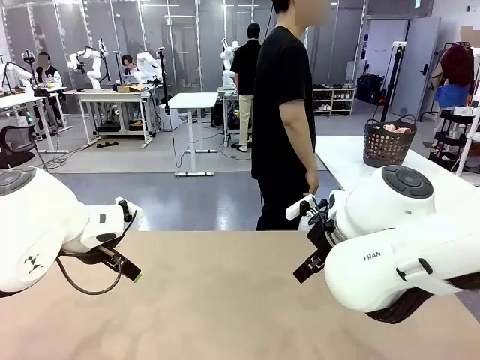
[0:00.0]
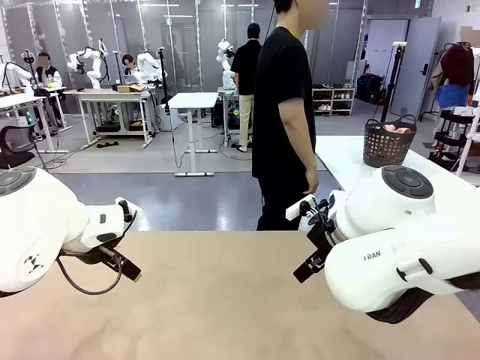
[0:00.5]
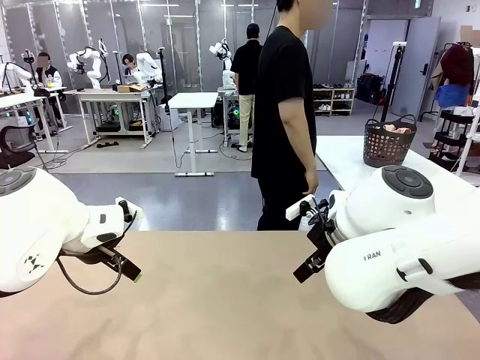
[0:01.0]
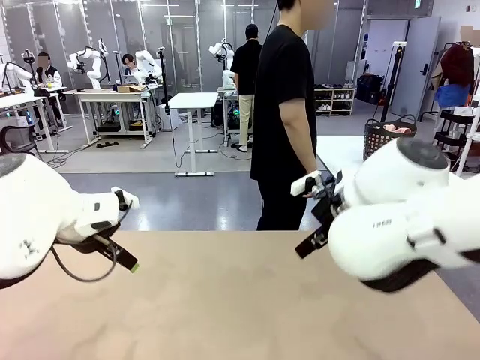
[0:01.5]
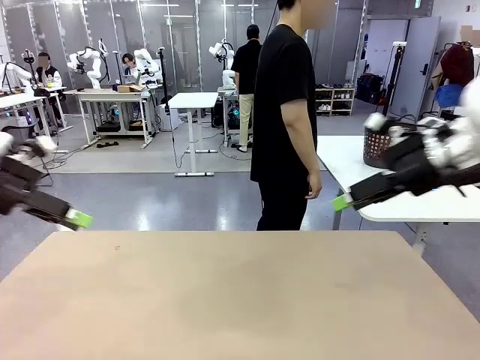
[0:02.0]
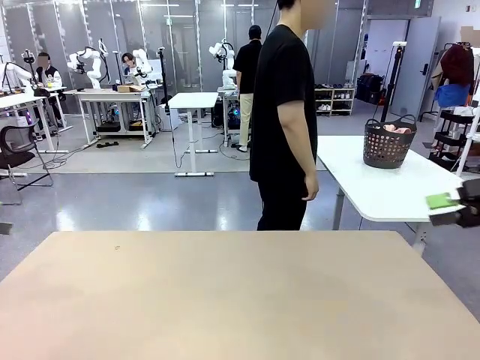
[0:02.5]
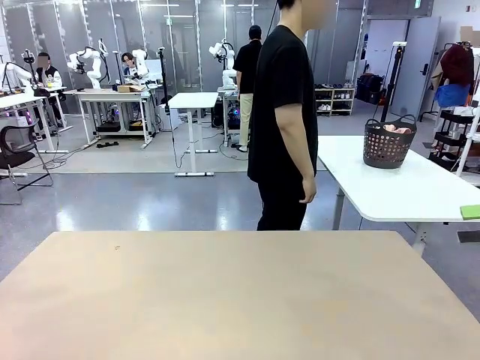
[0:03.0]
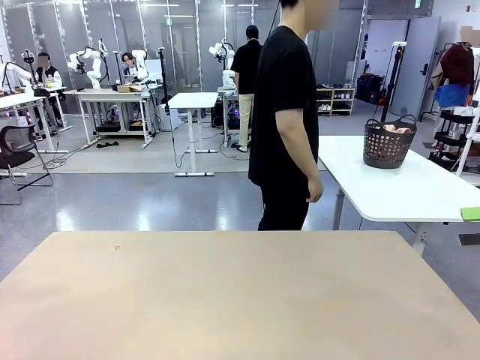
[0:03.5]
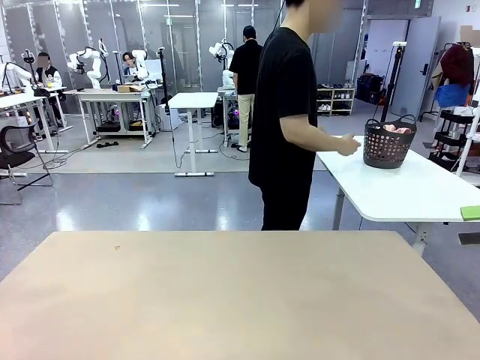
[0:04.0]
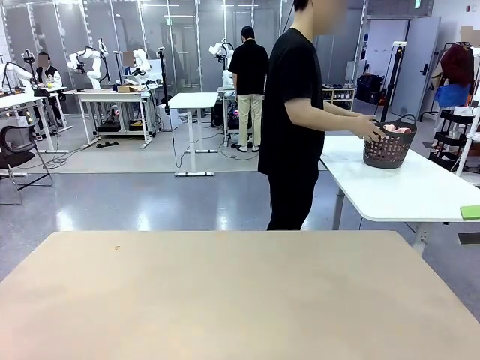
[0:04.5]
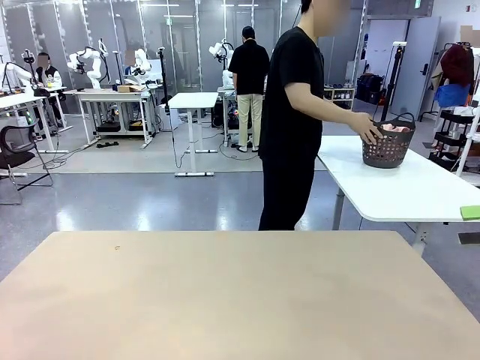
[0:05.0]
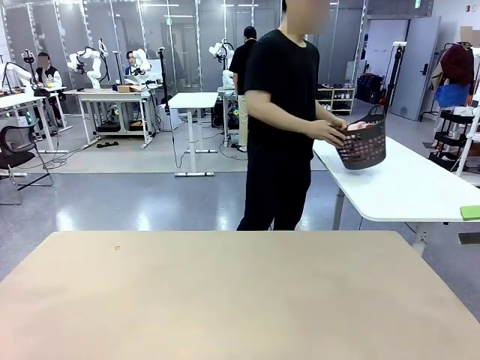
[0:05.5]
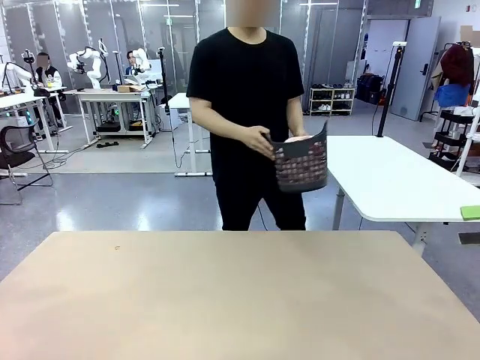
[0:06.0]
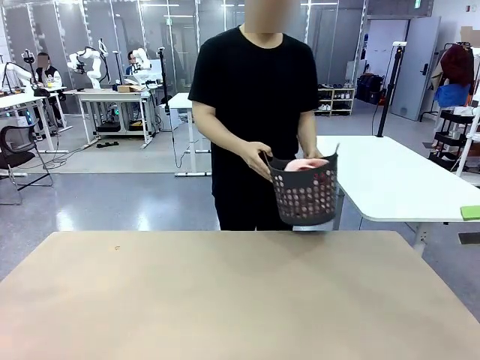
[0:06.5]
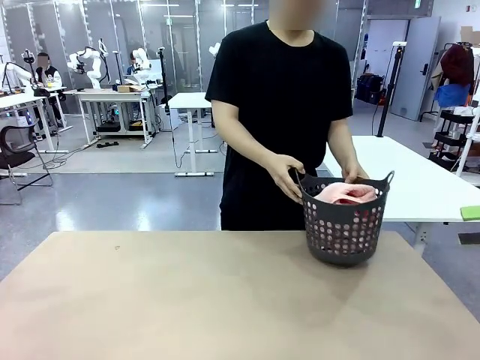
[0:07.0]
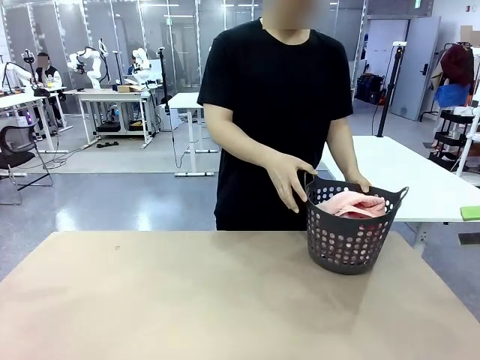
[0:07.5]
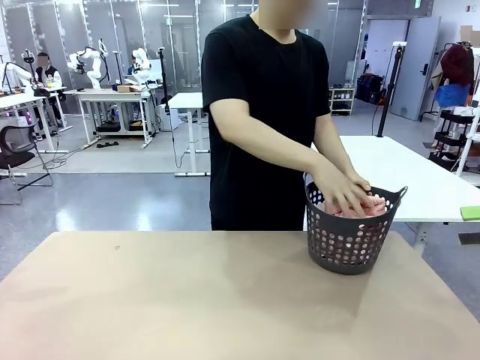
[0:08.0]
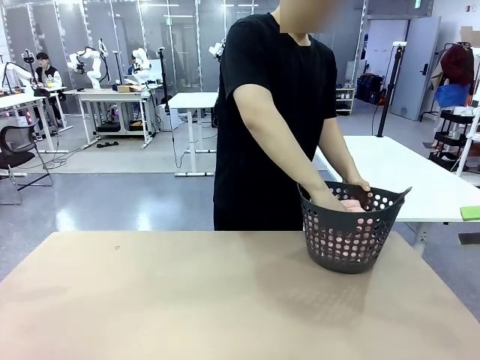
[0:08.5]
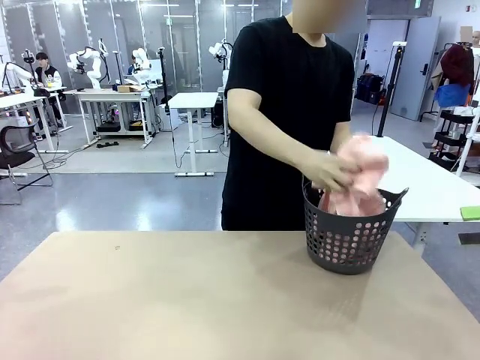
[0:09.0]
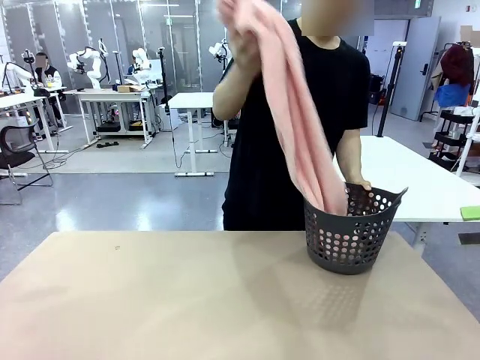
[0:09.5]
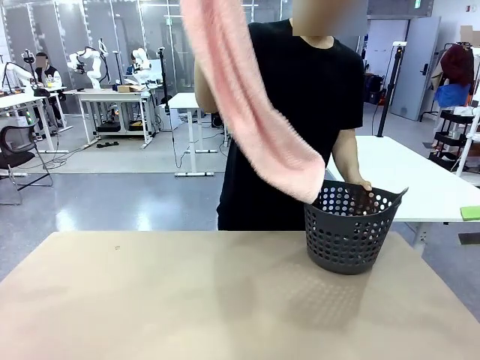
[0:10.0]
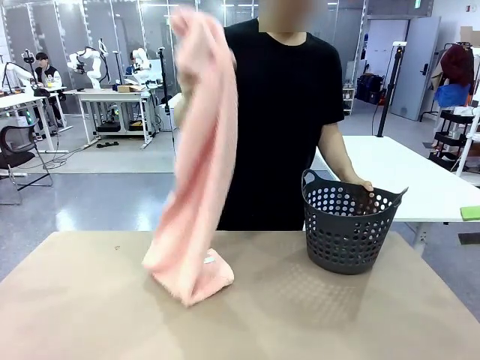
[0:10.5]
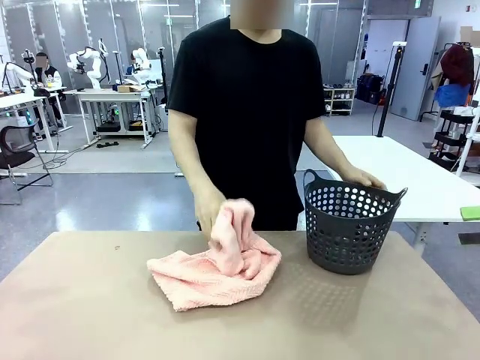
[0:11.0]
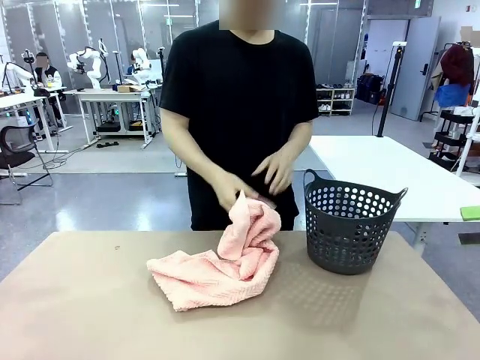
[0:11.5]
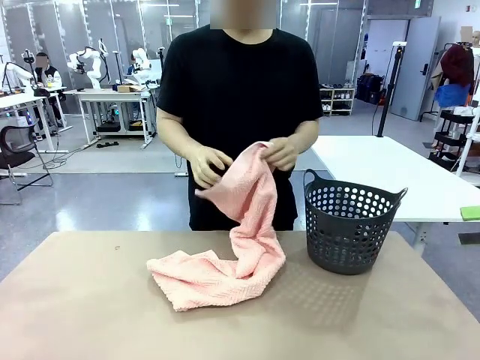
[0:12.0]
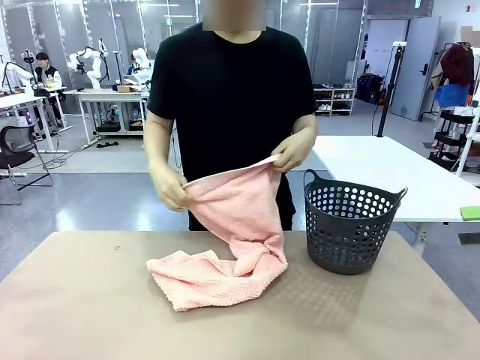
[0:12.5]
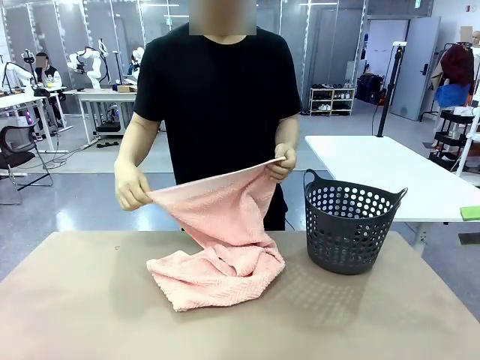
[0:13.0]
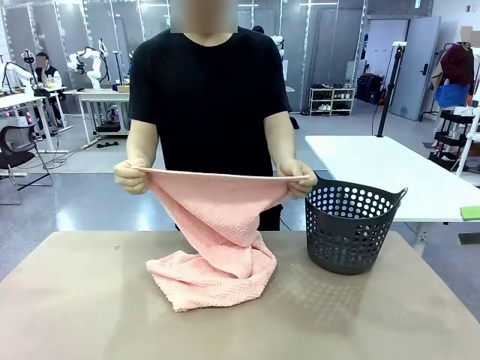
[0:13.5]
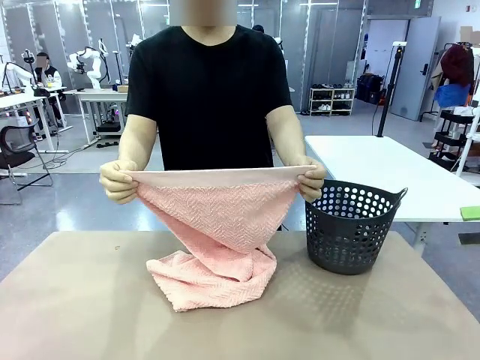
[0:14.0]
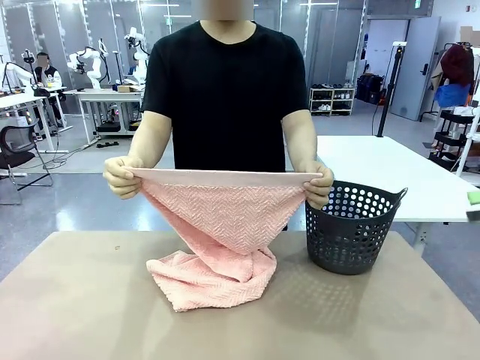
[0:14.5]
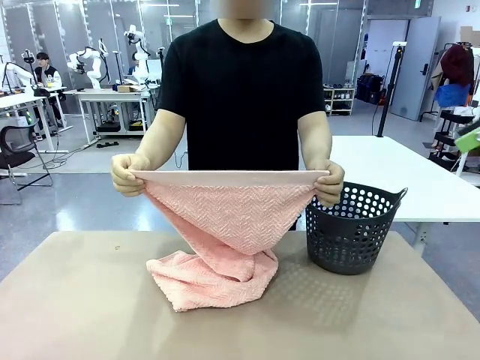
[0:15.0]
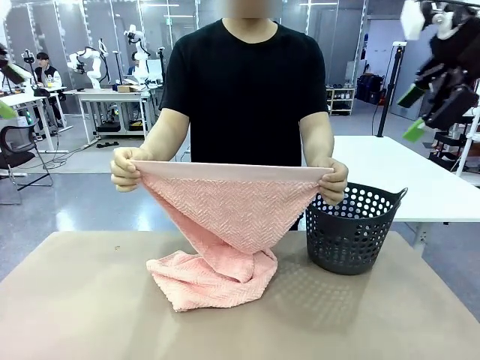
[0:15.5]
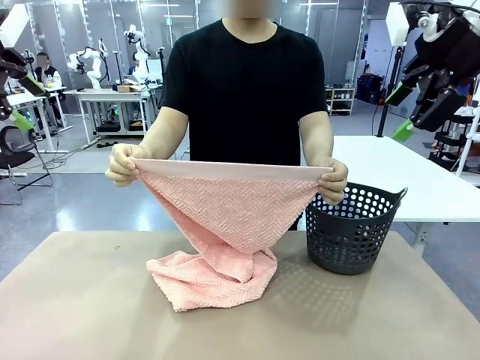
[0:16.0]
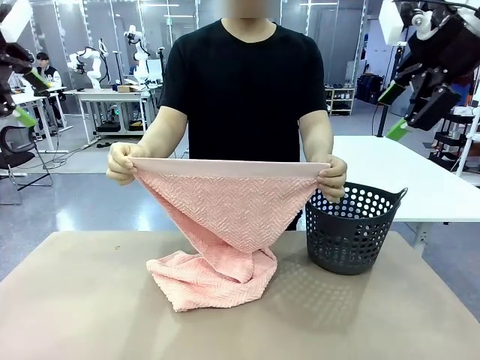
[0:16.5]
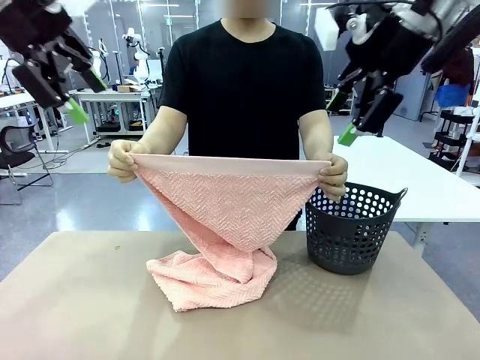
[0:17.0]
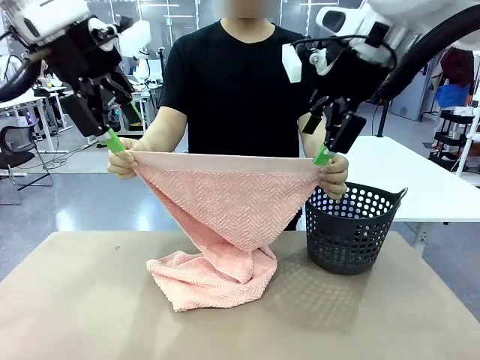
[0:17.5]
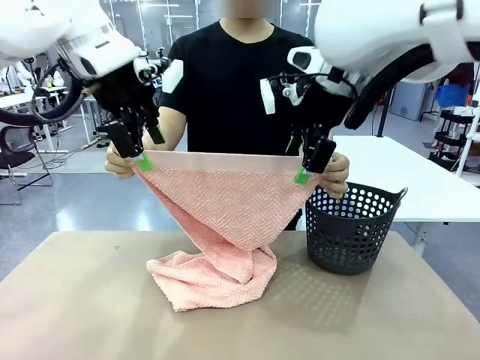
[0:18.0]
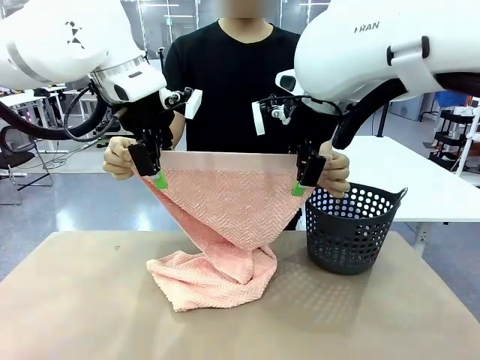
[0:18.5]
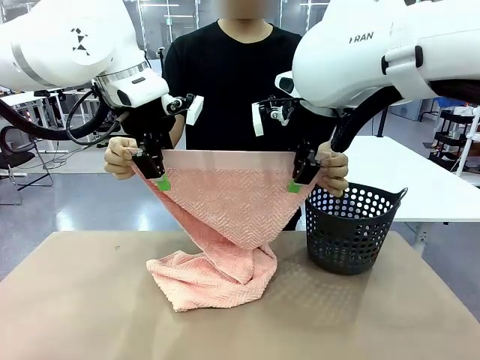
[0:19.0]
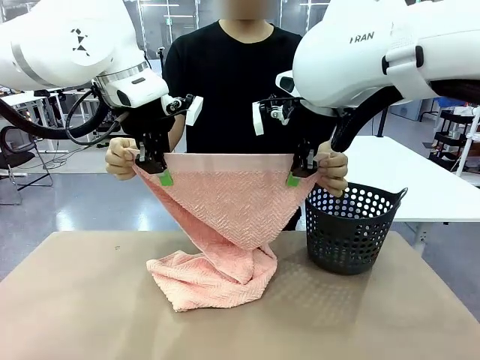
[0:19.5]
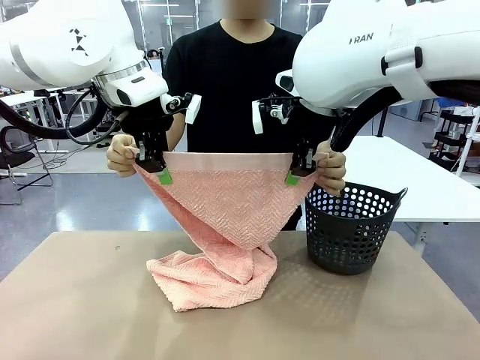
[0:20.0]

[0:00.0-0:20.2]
Task: Fold the towel.
Robot: Grab the top end of the 100 cm Hotel Towel extended by the human.
Person: Pick up the laundry basket, place it on the left side of the robot table, then take out a towel and hand it to the robot while holding both corners of one end.

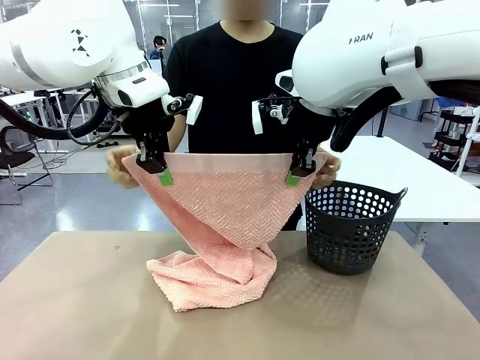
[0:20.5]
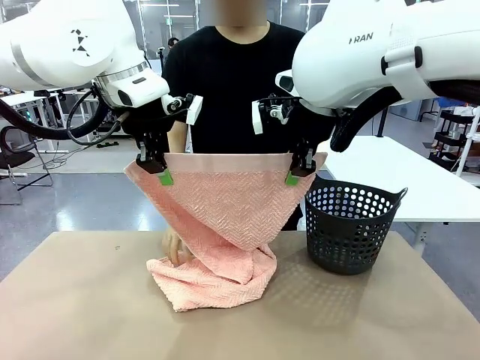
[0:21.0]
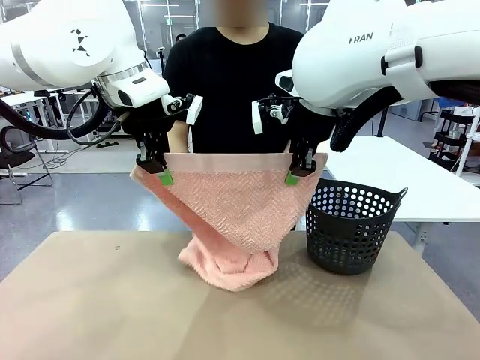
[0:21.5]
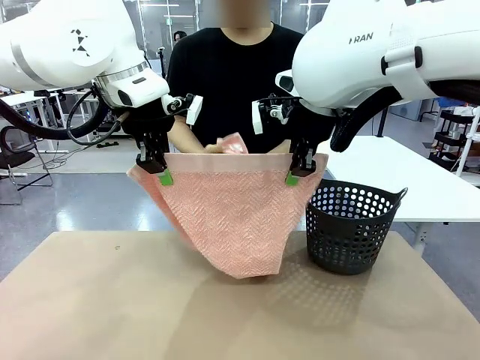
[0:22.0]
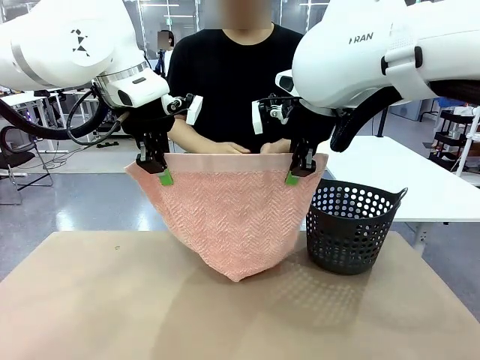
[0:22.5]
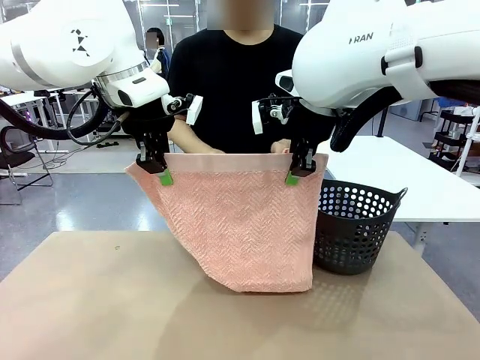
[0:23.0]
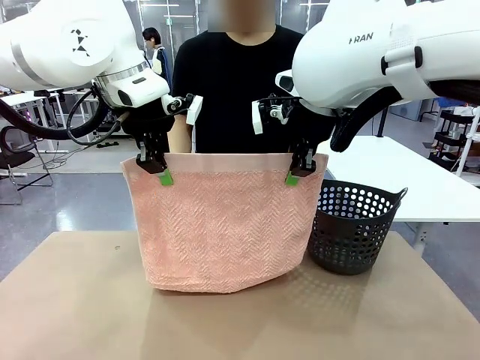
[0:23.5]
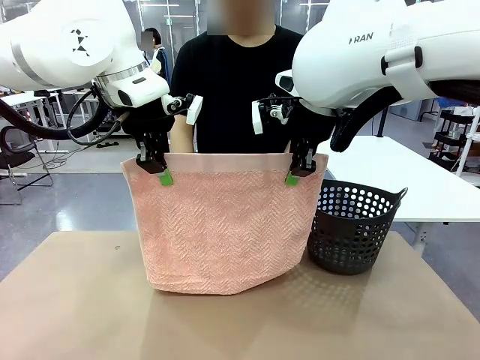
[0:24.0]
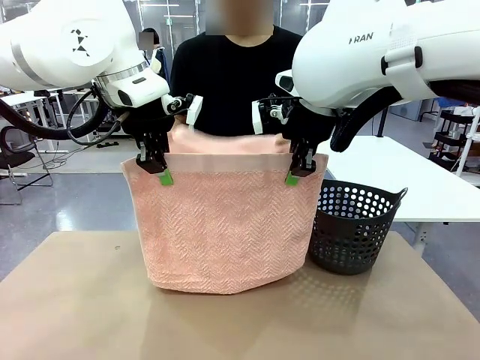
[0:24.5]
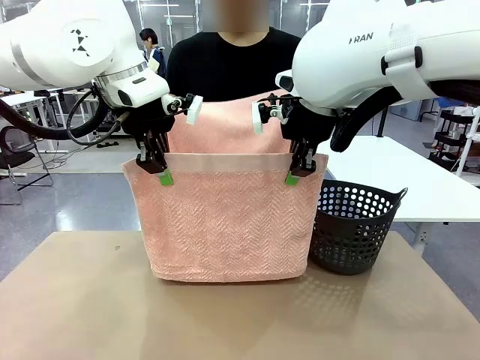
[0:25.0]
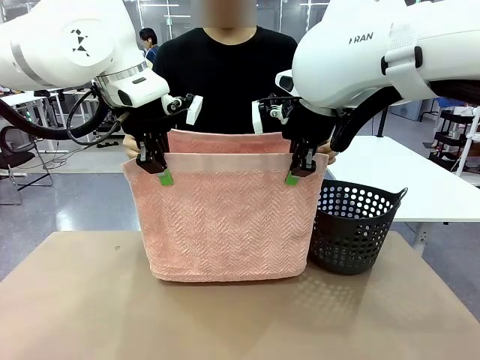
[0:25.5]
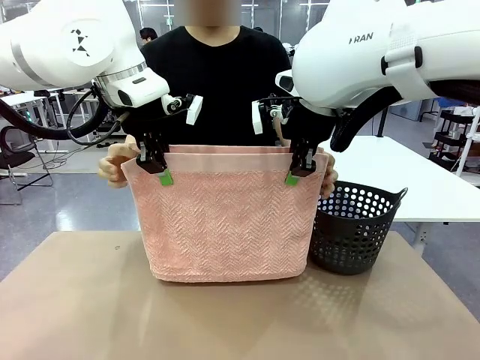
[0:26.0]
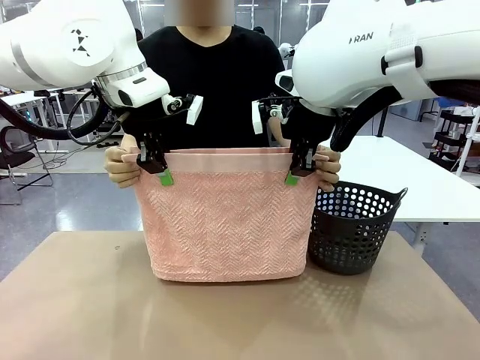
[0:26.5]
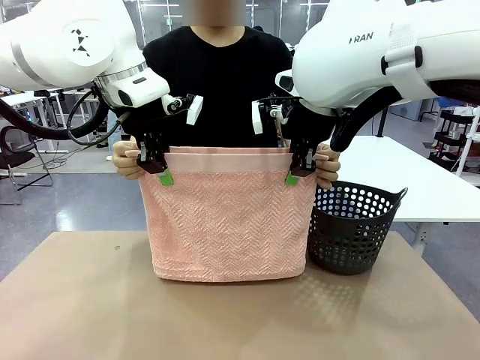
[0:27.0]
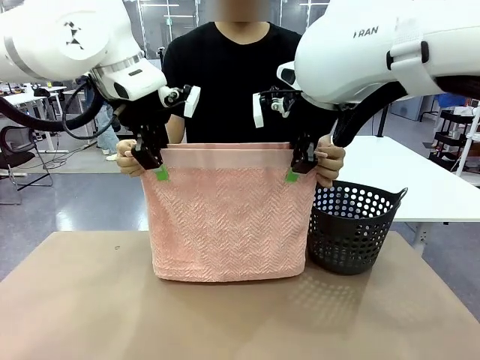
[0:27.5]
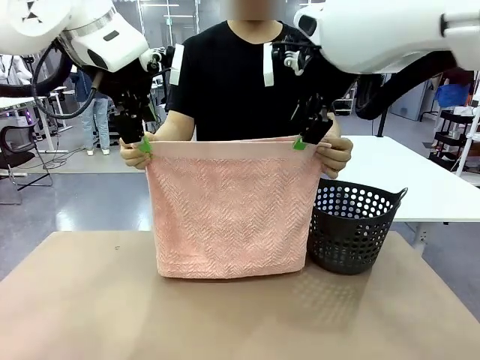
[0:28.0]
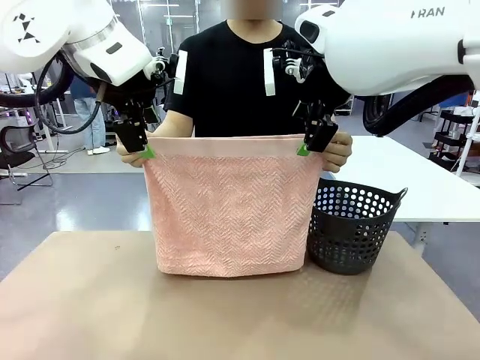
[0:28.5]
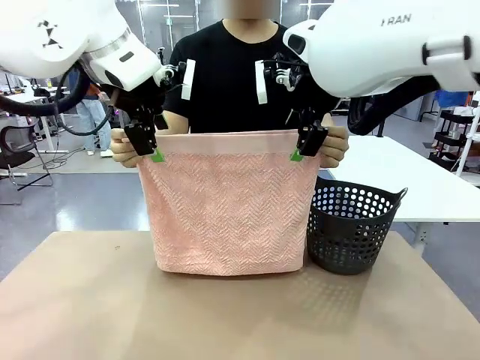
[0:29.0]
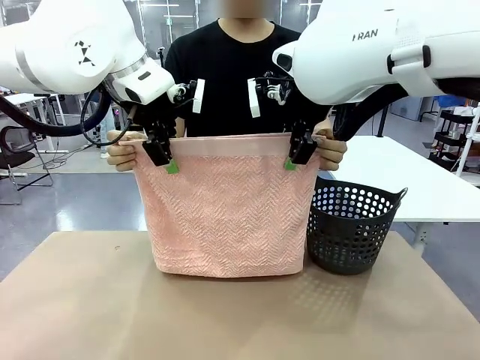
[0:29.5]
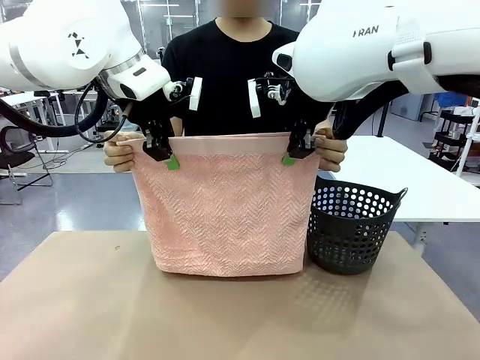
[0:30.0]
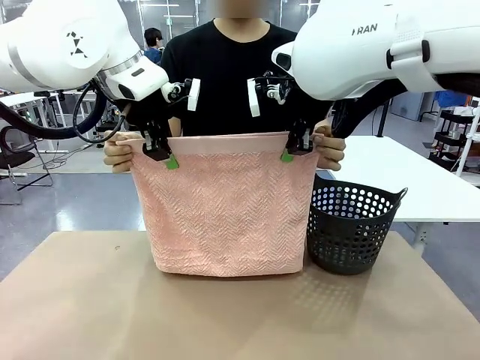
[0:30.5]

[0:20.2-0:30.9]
Robot: Release the end of the 100 cm Hotel Towel you were holding and grab the top end of the folded side.
